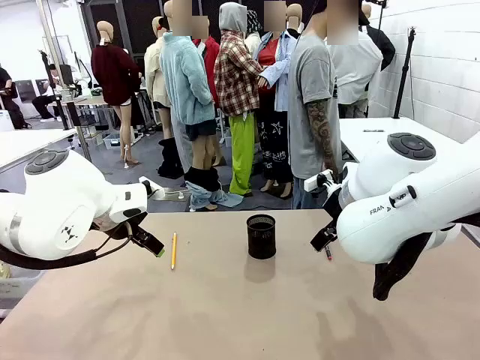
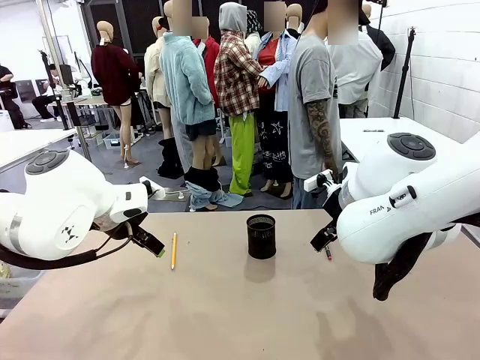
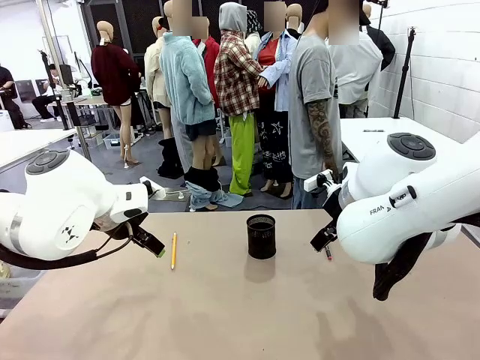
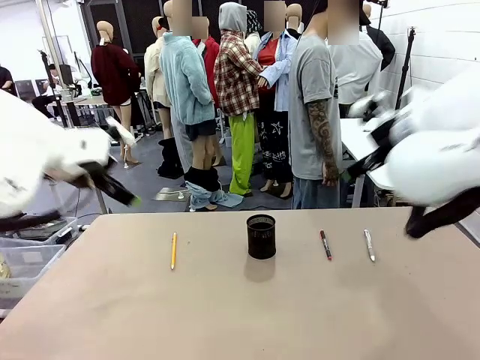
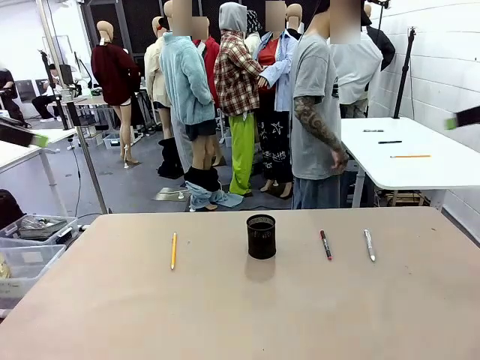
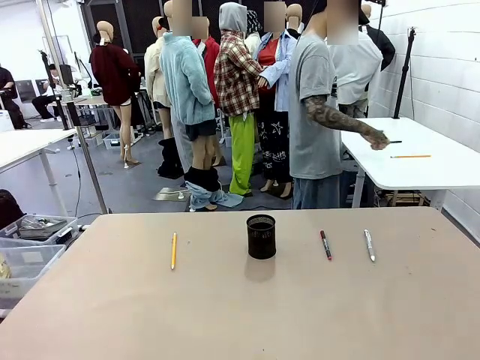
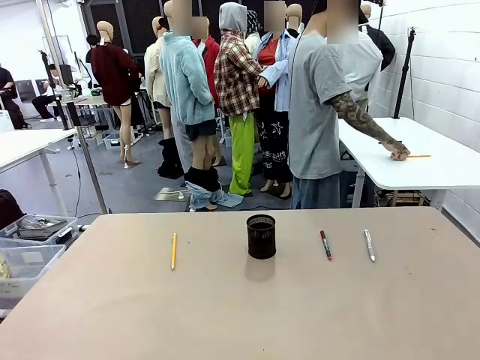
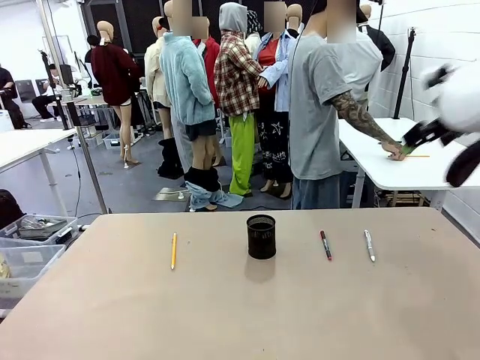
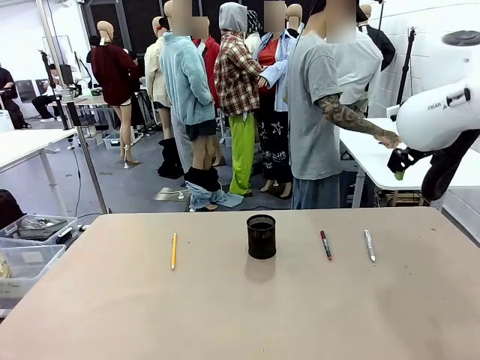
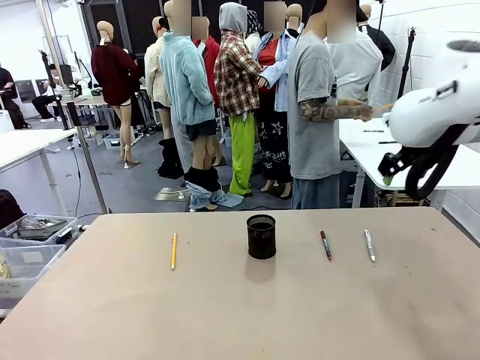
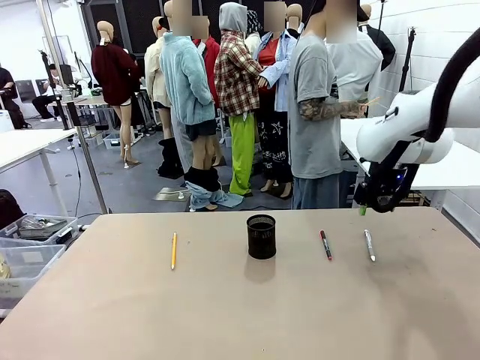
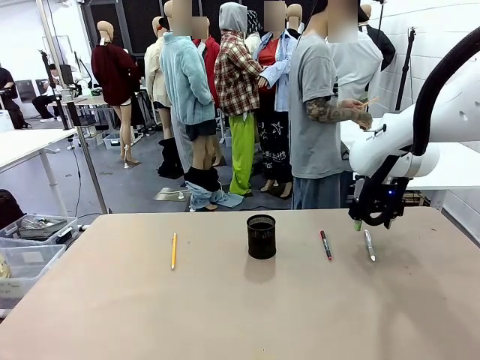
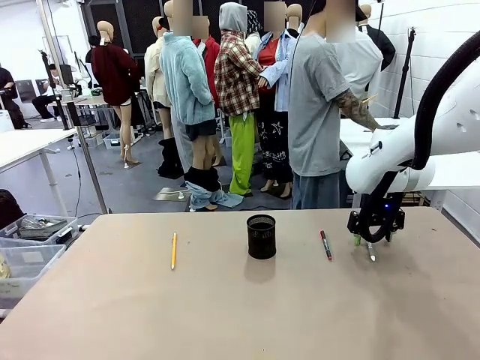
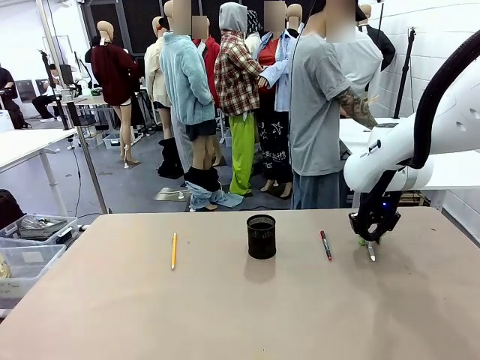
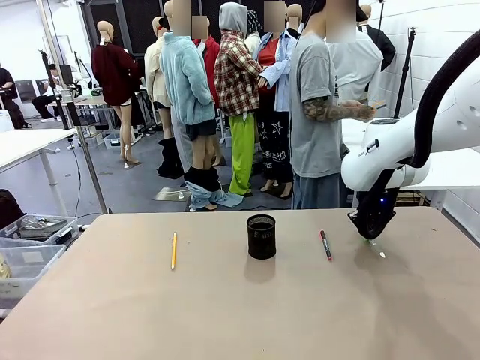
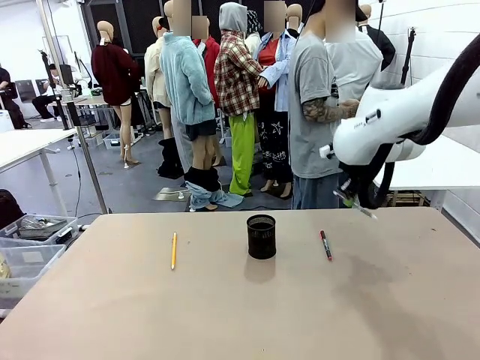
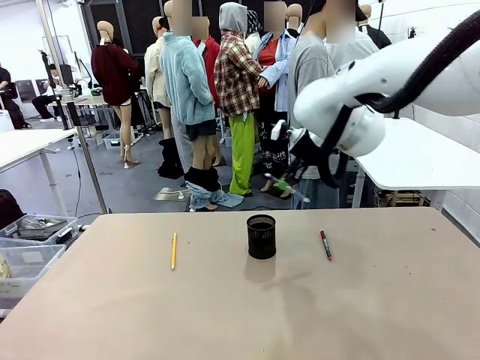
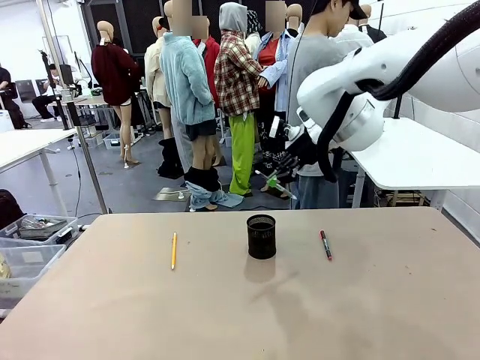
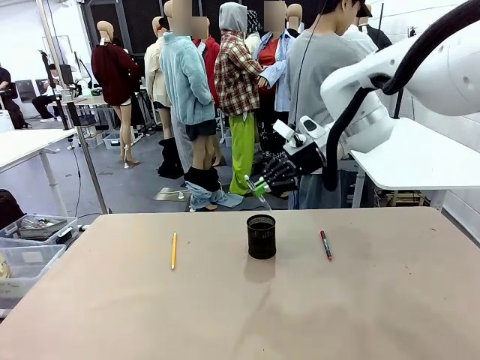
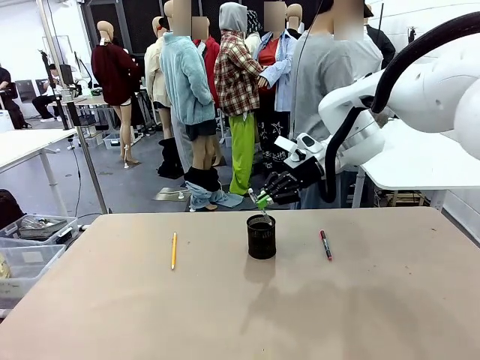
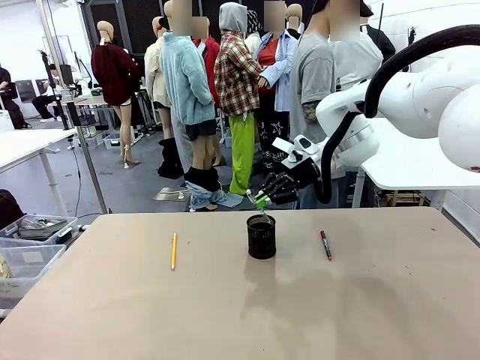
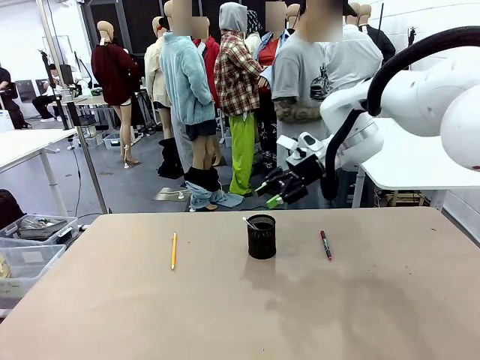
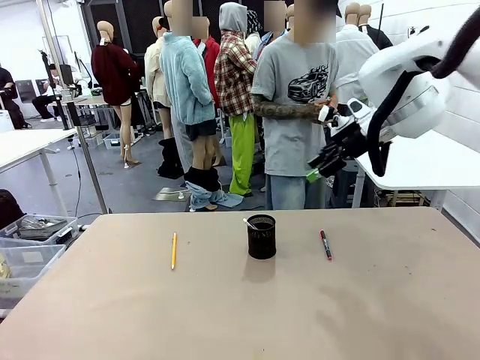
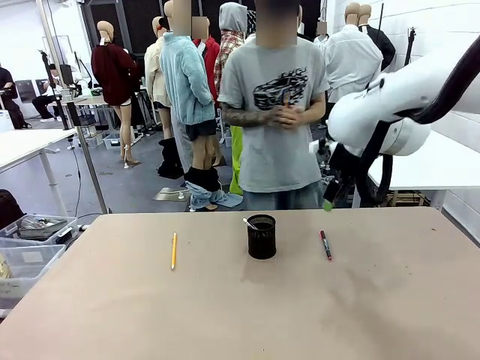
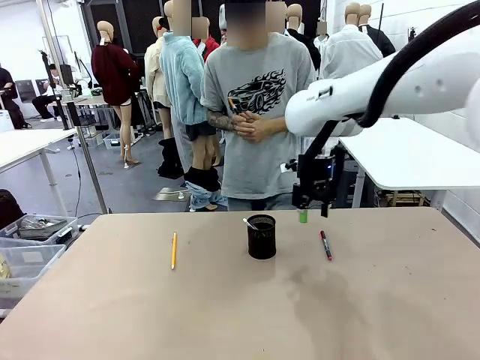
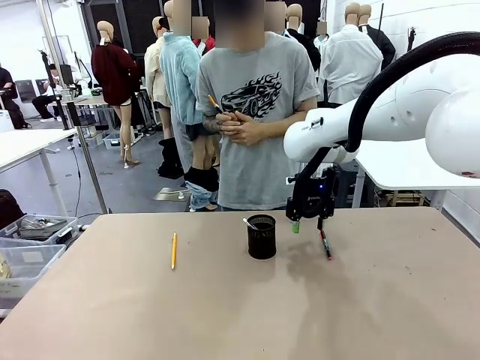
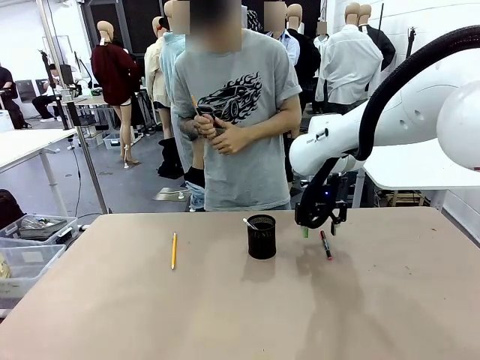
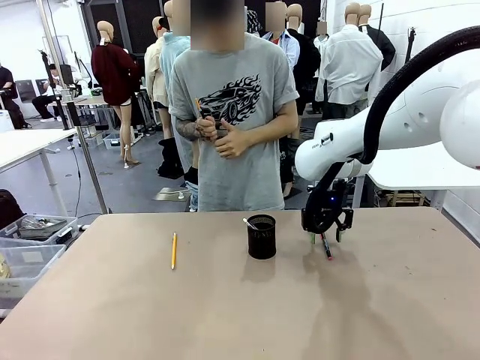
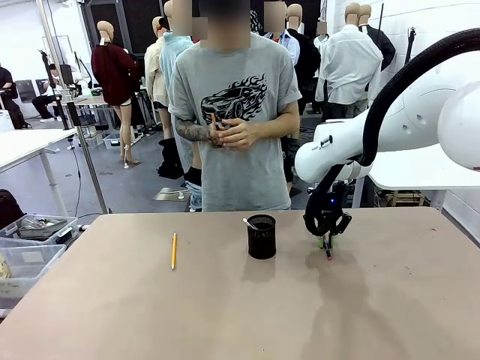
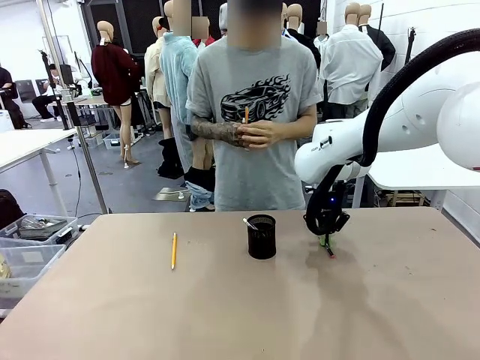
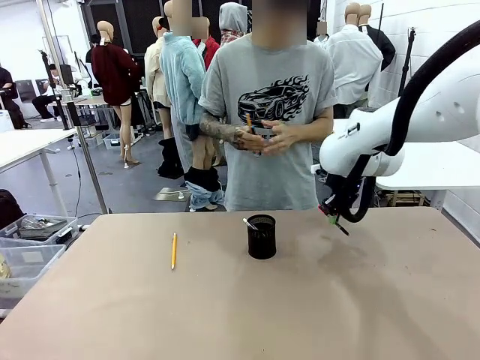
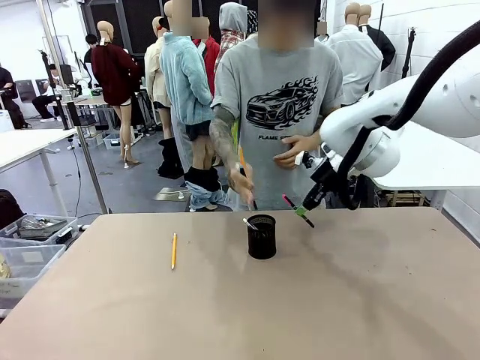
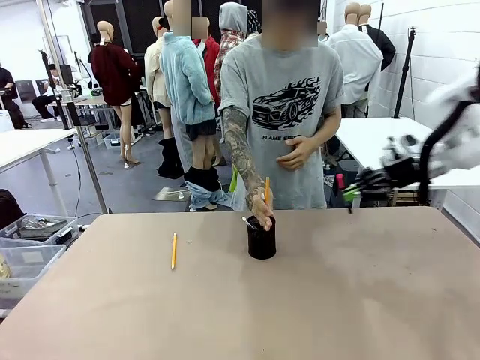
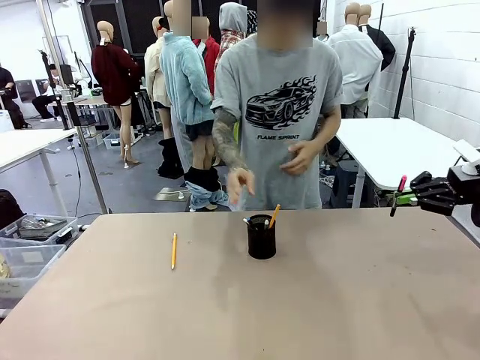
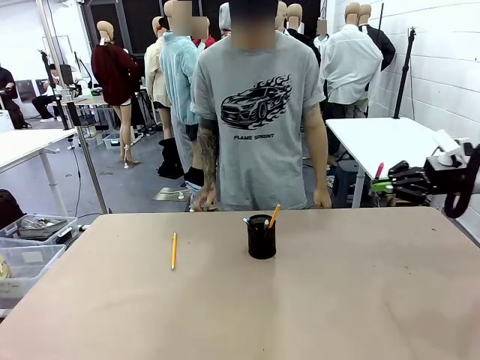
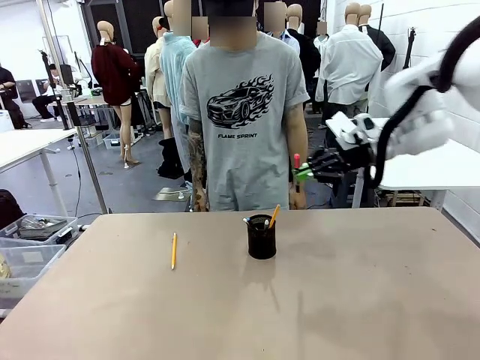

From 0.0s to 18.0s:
Task: Place the pens into the pen holder.
Robot: Pick up a writing instrument from the table and place it into the Pen holder.
Person: Pick up all writing instruments from the Human table.
